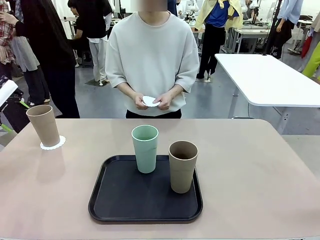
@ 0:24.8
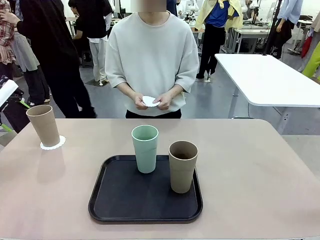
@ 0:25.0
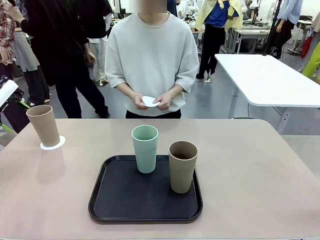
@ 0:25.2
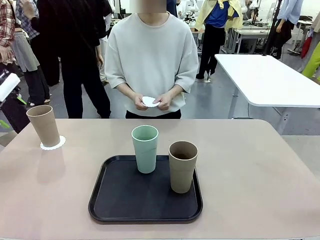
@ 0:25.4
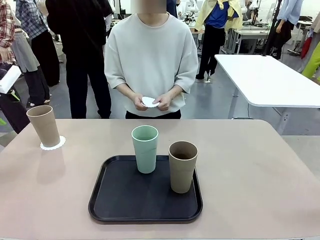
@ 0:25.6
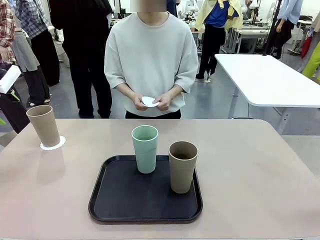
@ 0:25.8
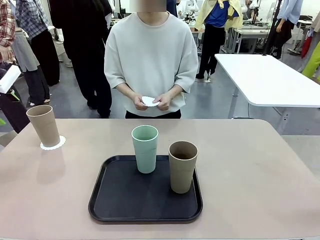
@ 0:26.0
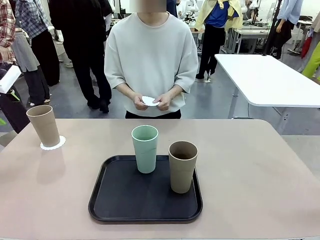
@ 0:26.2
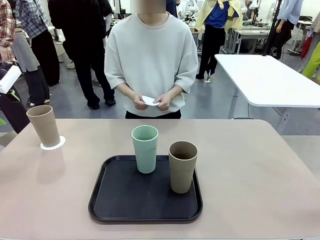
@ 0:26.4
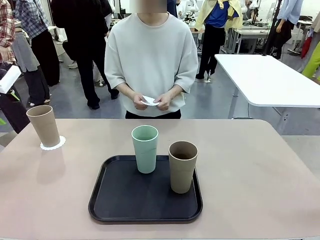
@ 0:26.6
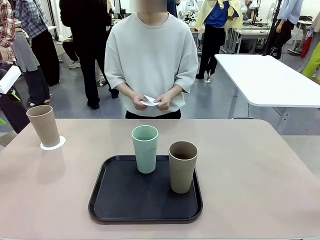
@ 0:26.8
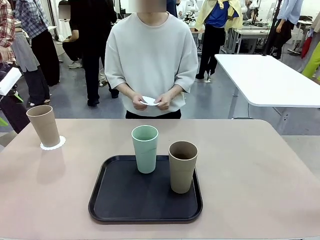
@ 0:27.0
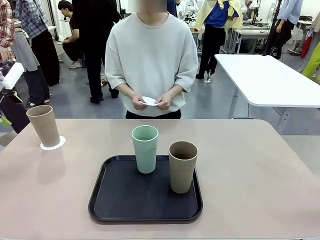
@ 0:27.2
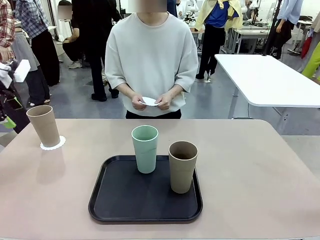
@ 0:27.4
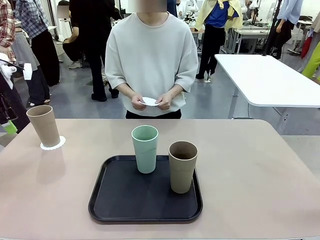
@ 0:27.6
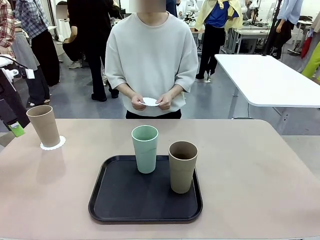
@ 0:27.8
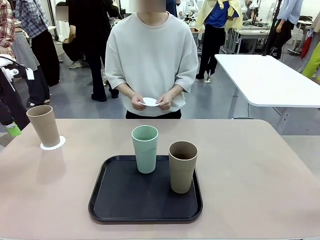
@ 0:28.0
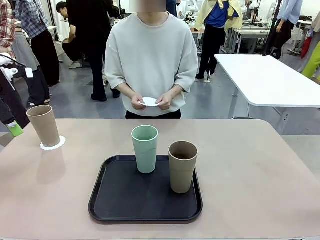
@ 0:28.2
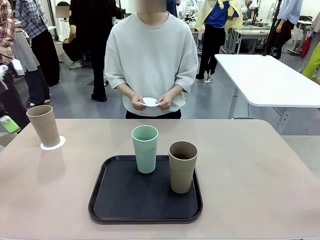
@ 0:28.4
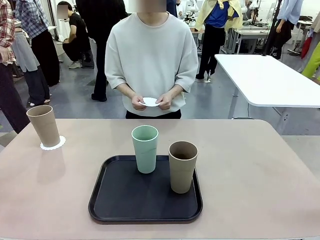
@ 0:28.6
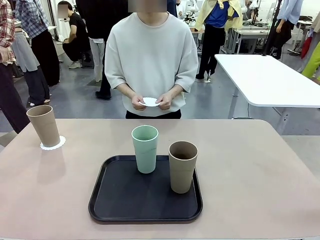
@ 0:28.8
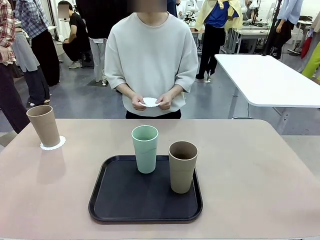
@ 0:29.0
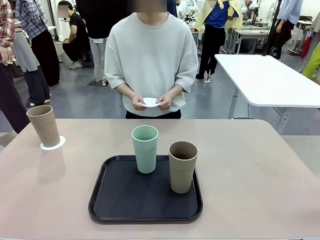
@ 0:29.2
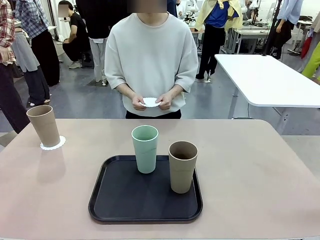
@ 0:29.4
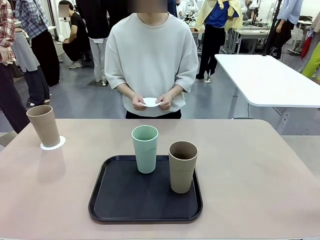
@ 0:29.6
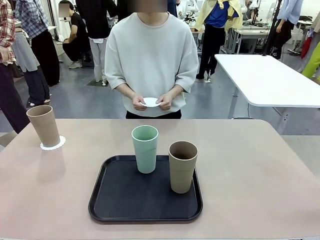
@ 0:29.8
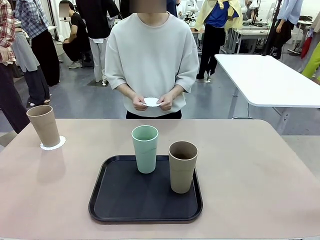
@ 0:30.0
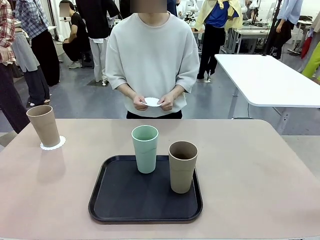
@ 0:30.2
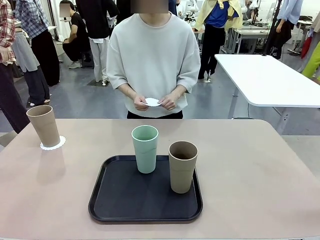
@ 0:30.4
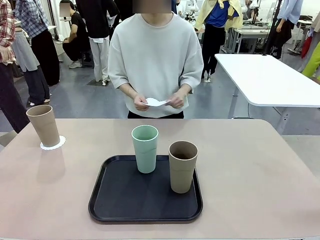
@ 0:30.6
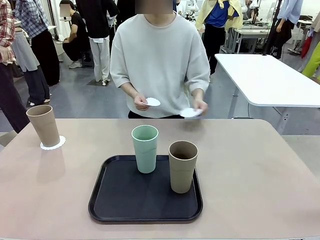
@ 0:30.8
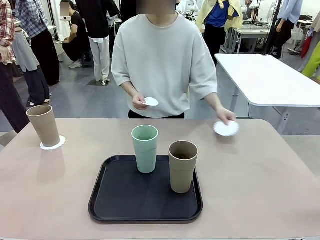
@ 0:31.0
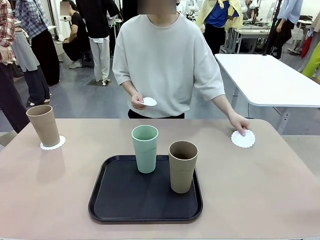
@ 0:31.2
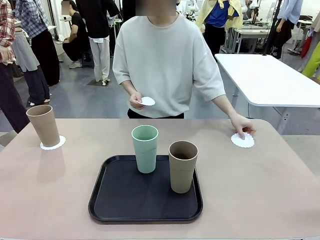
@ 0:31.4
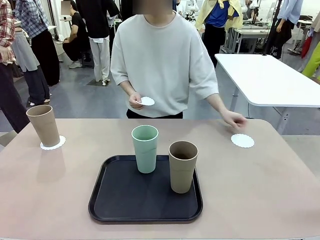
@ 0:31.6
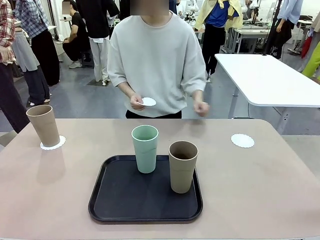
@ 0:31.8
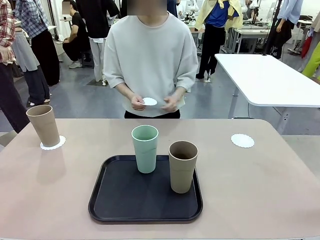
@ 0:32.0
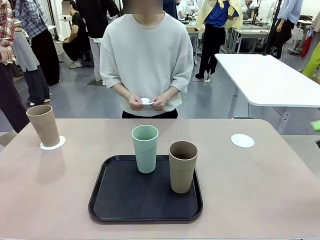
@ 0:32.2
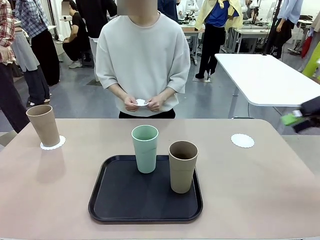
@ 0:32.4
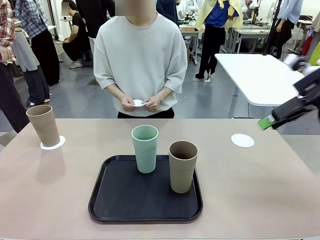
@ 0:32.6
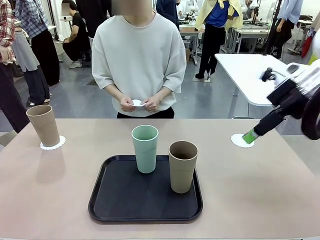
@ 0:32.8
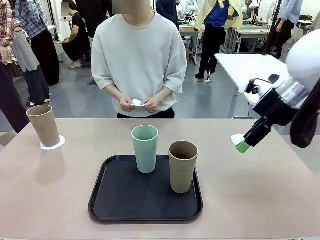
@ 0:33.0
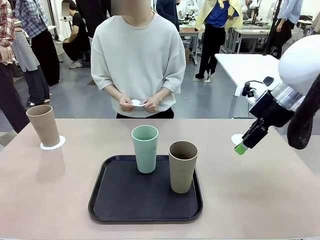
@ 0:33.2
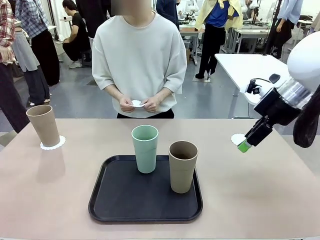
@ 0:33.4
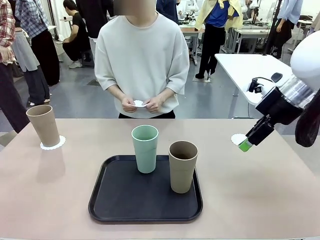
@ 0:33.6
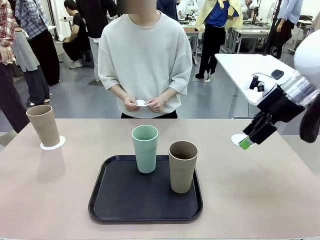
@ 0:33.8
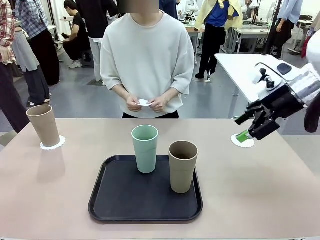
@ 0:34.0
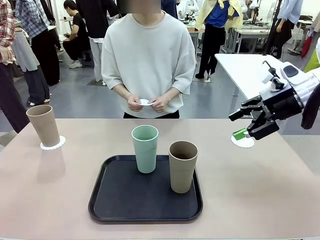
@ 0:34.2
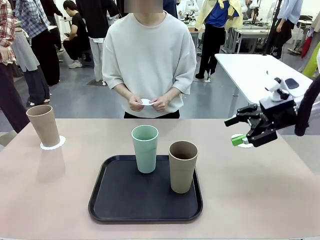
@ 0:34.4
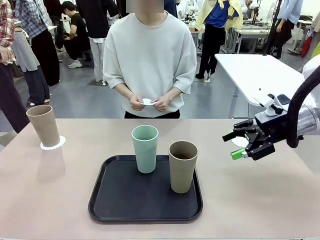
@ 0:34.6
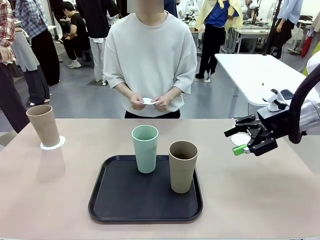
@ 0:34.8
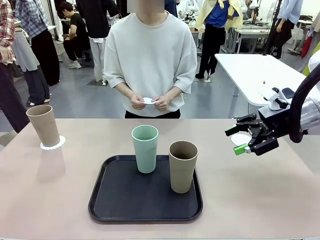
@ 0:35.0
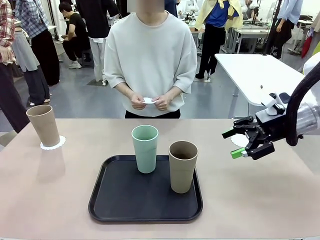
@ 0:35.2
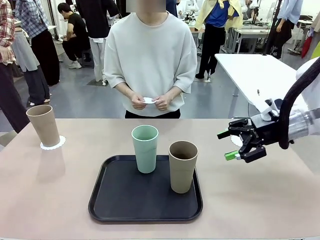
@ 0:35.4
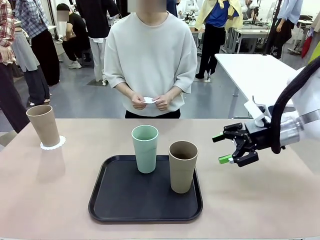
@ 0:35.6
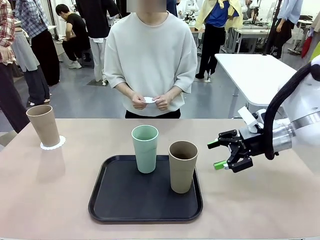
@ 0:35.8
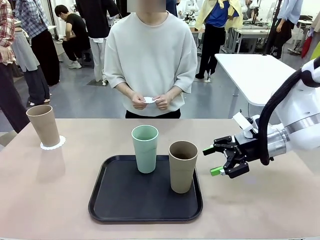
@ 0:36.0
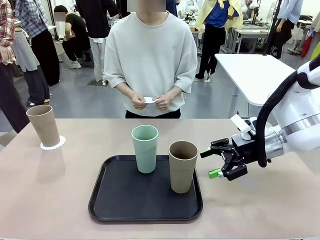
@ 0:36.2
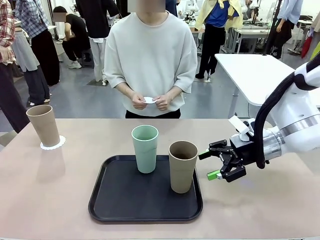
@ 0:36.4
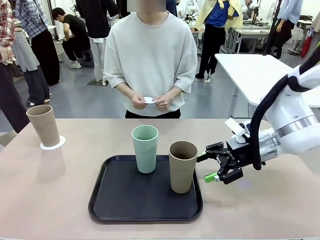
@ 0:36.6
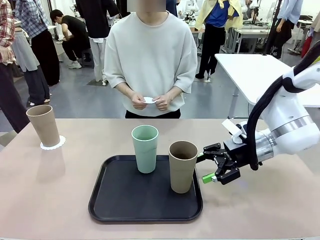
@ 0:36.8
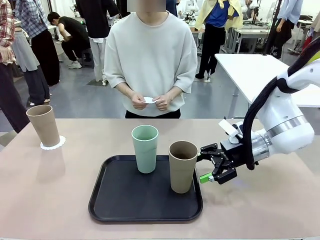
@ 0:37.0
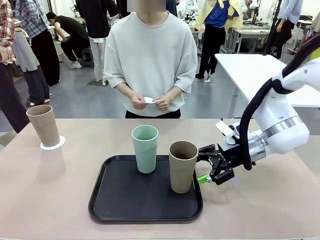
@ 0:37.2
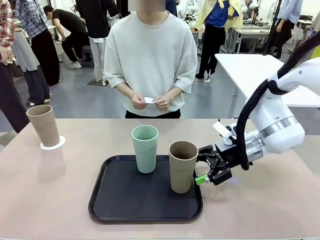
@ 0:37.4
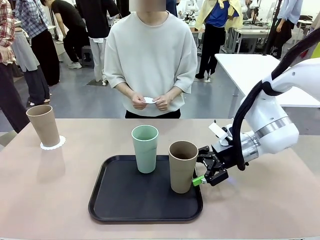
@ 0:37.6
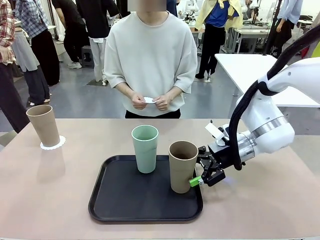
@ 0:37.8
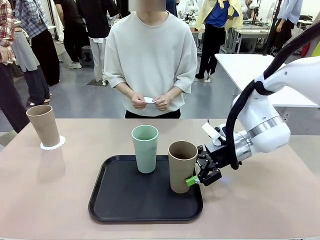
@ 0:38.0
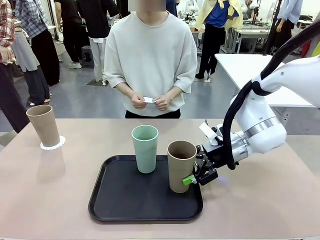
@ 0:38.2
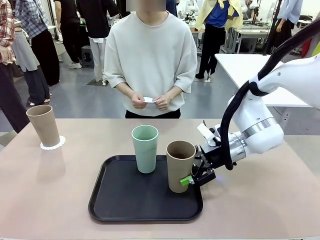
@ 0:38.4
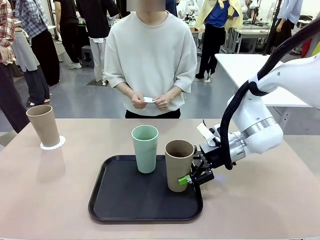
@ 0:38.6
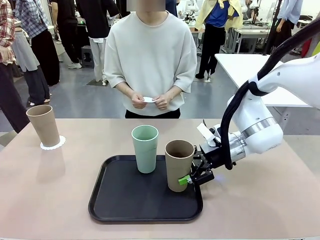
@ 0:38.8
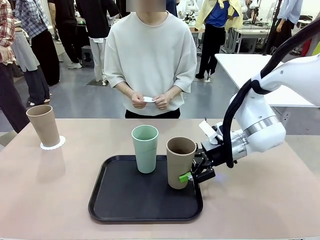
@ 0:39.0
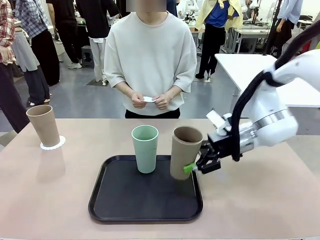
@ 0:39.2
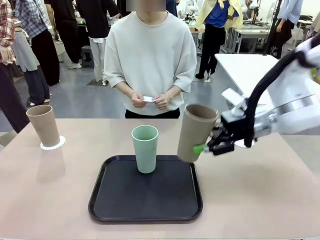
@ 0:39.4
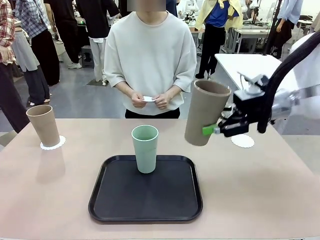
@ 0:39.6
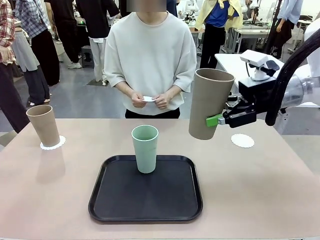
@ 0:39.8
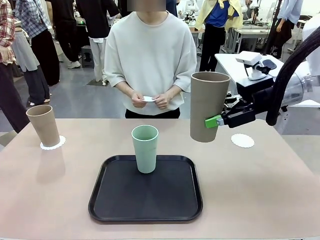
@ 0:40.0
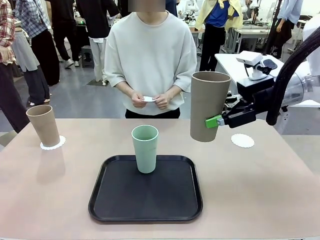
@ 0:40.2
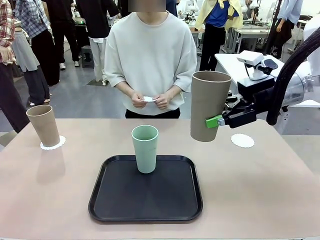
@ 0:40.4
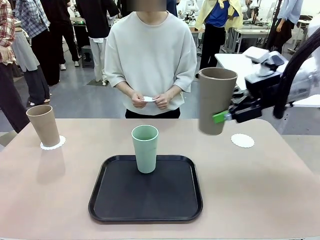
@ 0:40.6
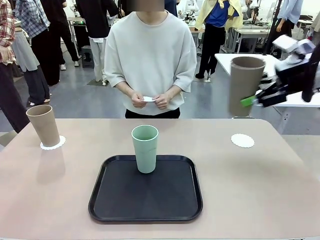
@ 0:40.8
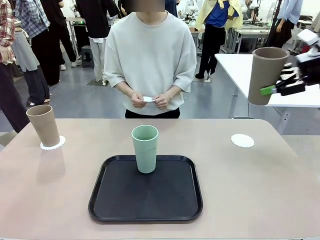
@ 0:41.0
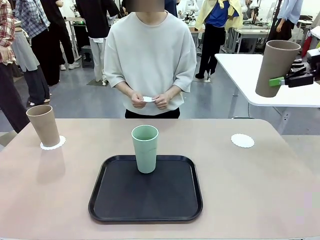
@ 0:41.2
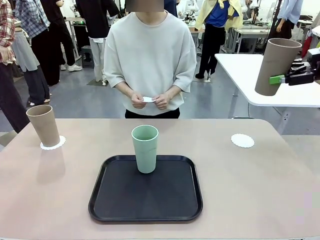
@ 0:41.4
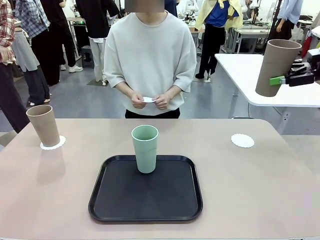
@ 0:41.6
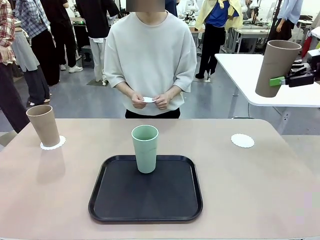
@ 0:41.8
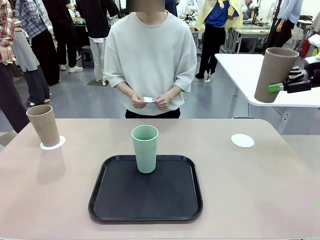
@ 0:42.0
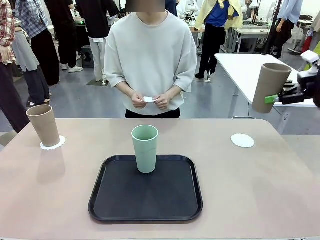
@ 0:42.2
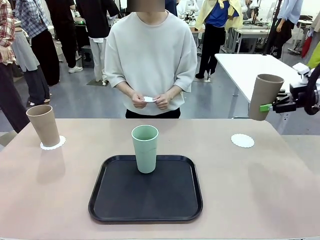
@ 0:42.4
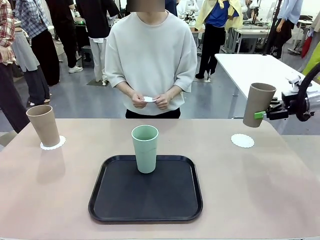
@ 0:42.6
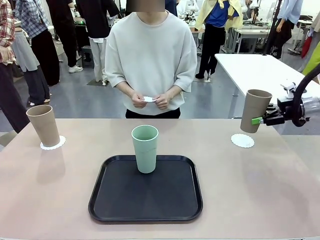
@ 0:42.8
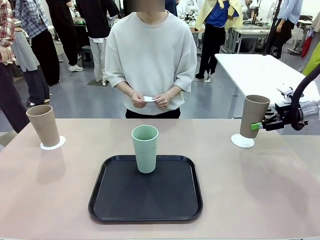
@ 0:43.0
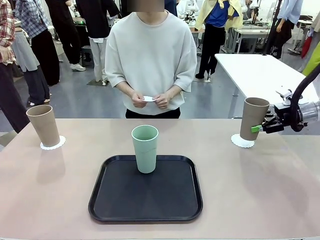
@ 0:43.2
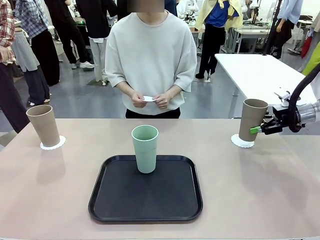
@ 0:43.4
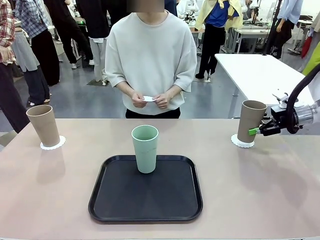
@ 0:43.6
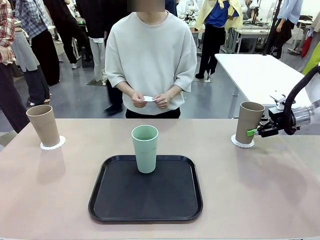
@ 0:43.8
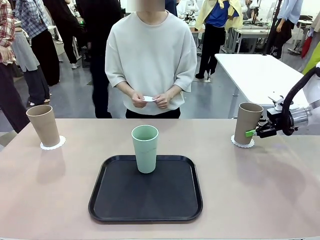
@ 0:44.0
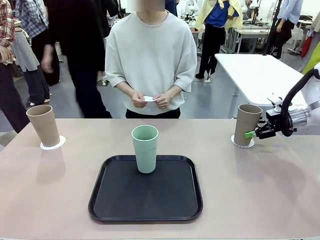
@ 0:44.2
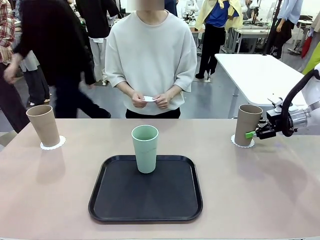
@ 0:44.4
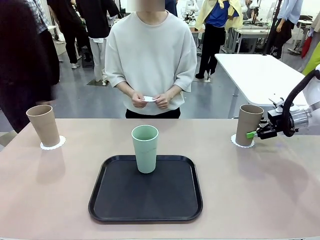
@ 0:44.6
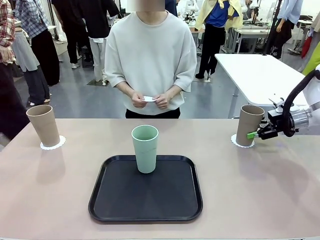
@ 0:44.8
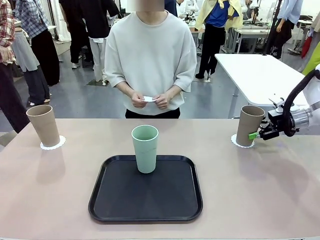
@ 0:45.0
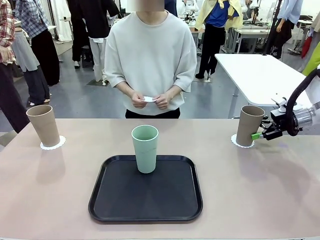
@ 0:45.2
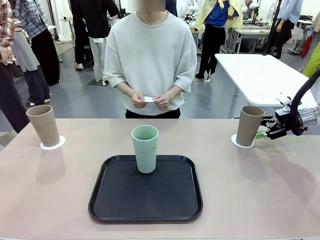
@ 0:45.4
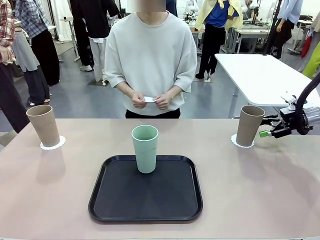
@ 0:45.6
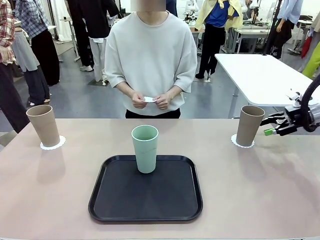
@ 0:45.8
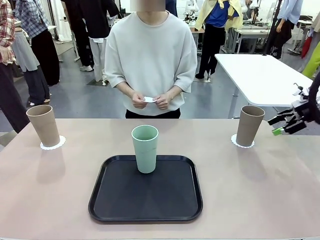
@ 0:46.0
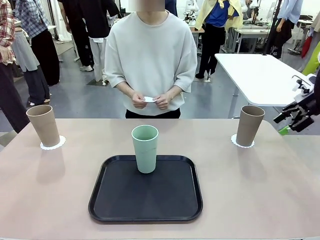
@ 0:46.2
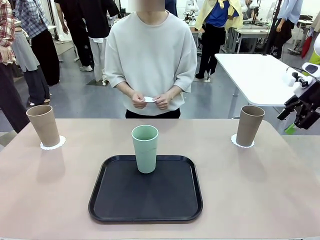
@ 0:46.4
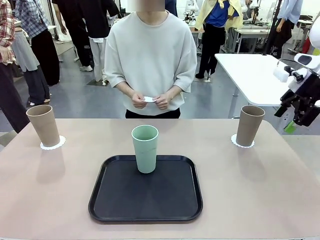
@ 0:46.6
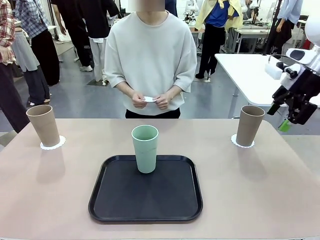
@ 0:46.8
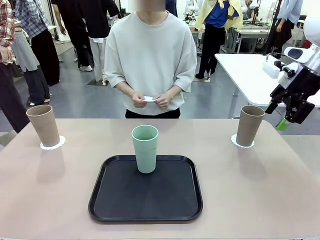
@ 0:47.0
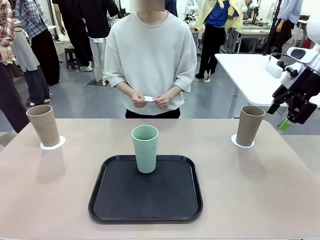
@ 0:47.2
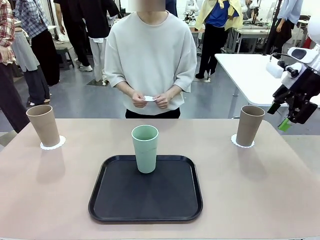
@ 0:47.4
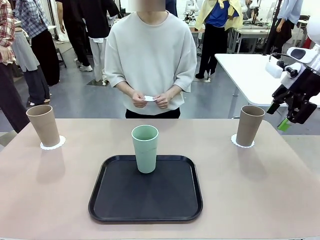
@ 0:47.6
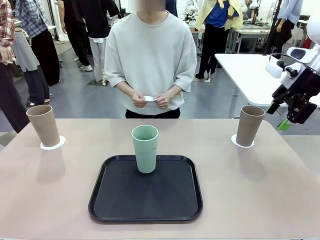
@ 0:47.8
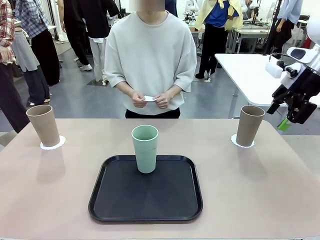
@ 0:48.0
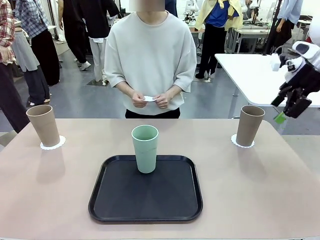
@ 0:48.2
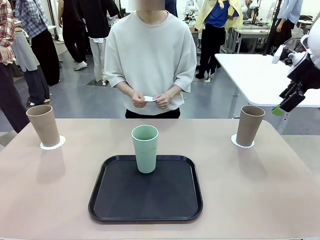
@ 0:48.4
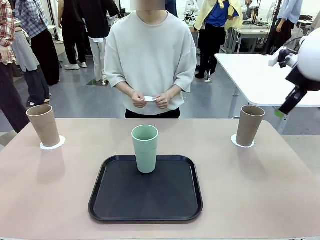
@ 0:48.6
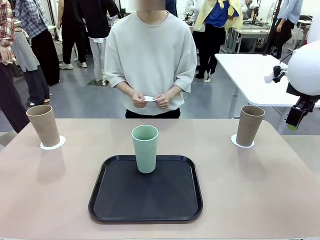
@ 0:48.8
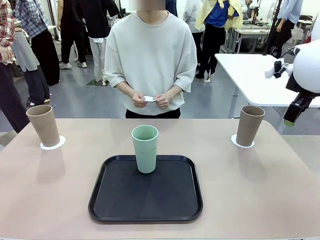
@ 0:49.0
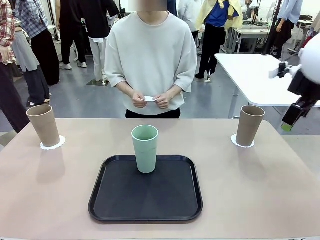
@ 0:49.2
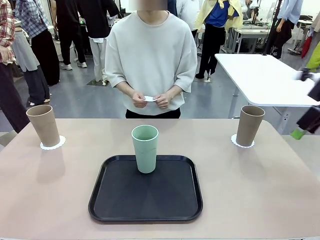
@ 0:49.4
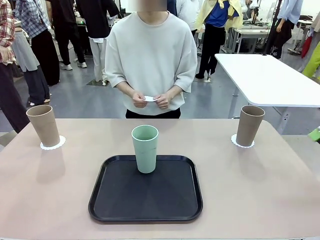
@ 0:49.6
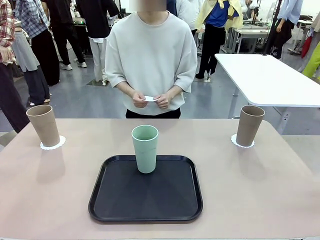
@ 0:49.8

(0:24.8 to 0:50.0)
Task: Place coasters on the table and set cups on them.
Robot: Take one Reusable plastic cup from the Flat Tray and place it on a coaster set by the human.
